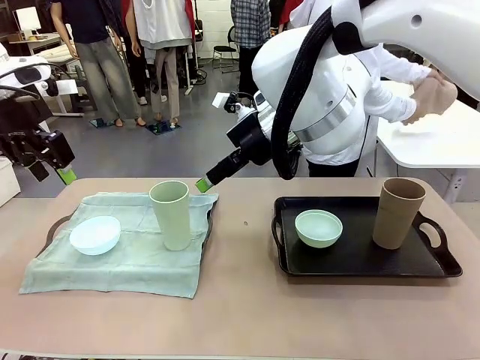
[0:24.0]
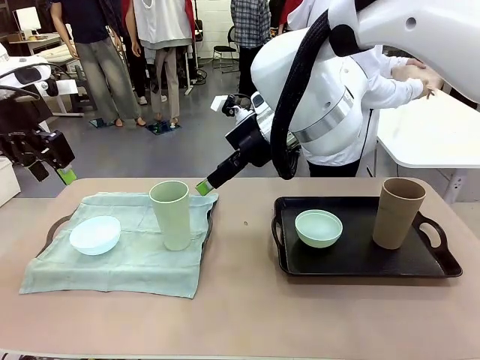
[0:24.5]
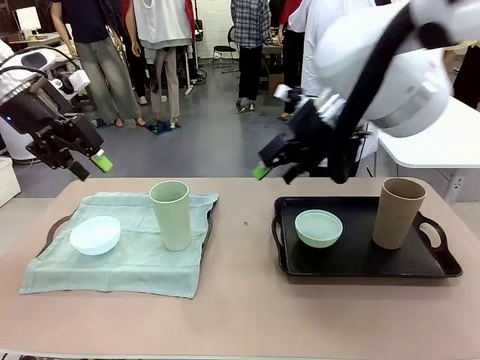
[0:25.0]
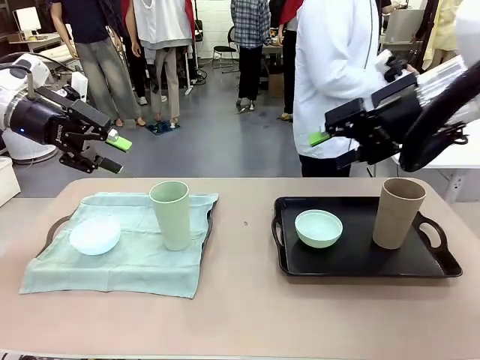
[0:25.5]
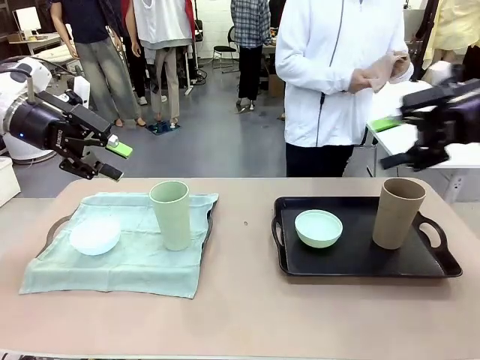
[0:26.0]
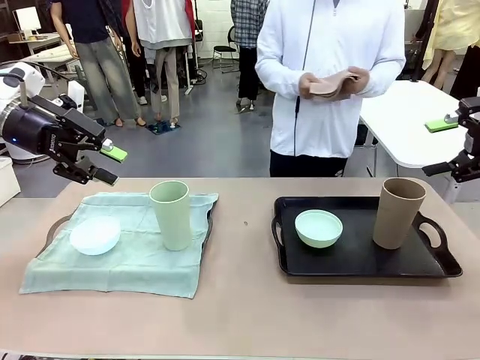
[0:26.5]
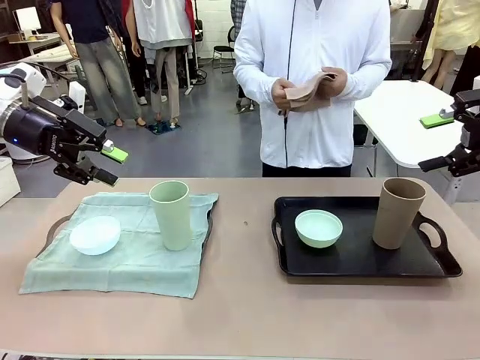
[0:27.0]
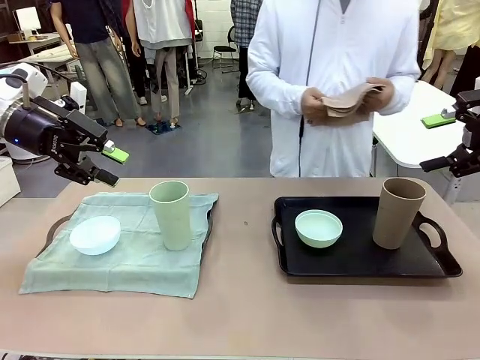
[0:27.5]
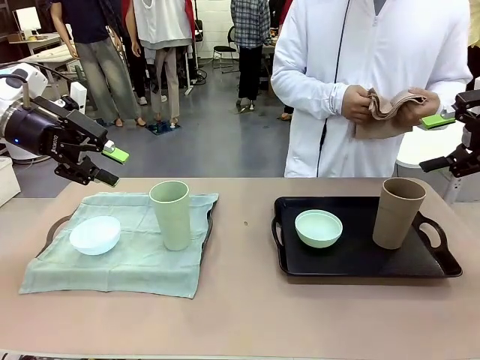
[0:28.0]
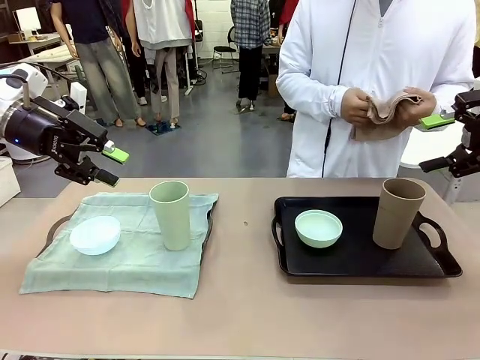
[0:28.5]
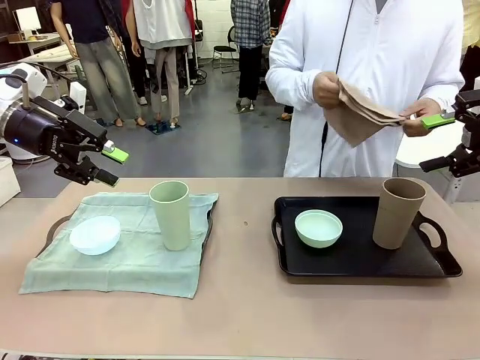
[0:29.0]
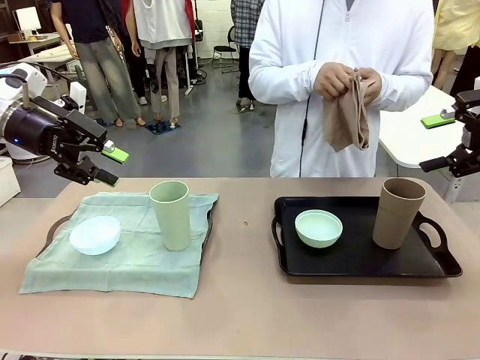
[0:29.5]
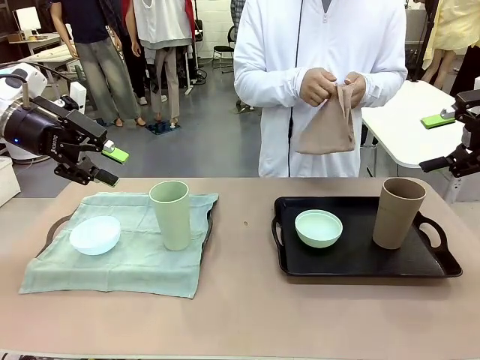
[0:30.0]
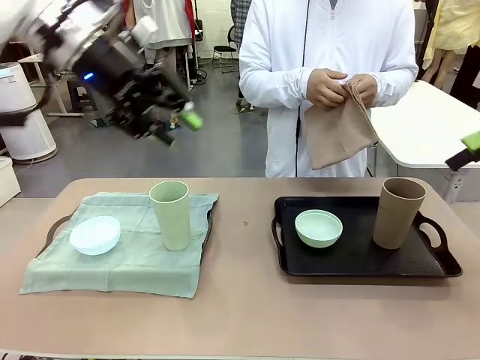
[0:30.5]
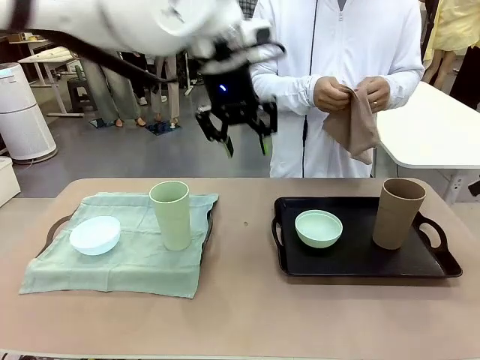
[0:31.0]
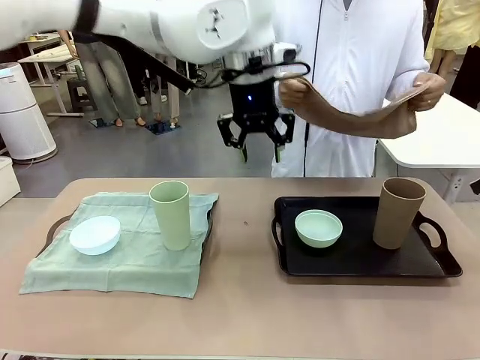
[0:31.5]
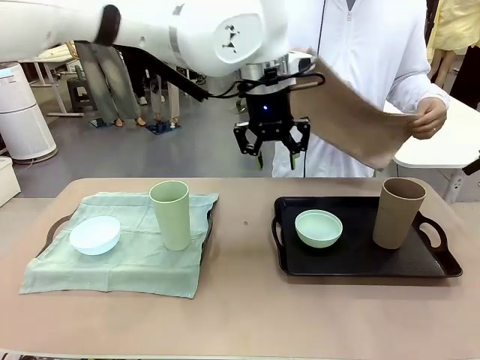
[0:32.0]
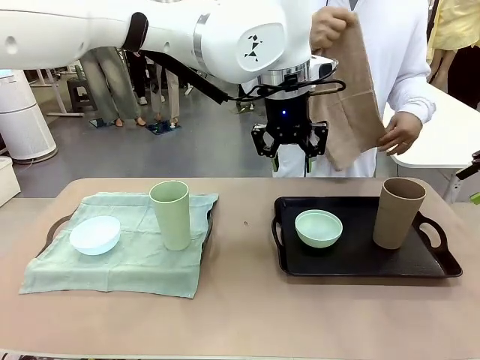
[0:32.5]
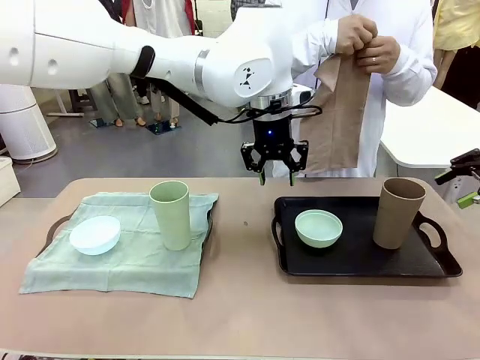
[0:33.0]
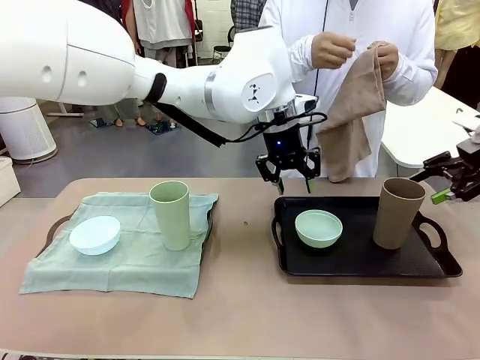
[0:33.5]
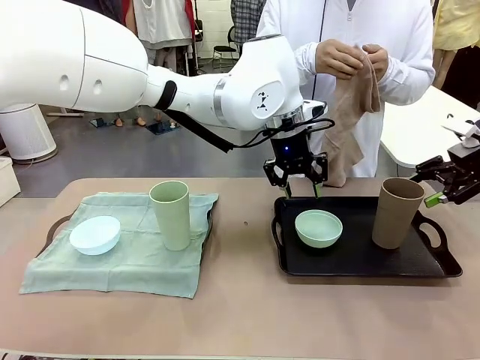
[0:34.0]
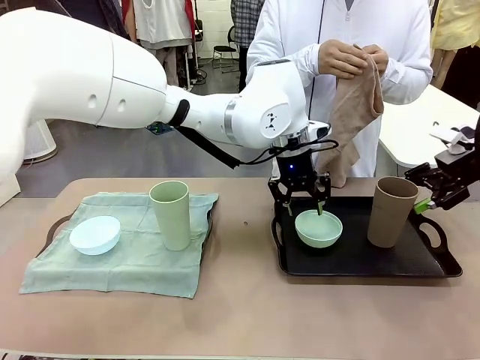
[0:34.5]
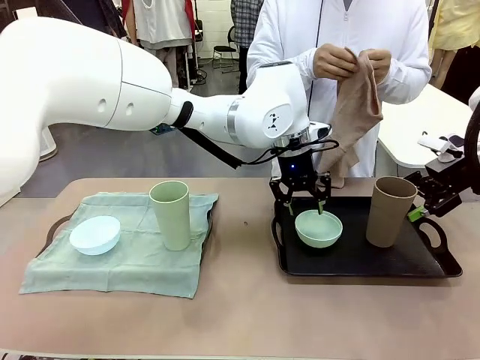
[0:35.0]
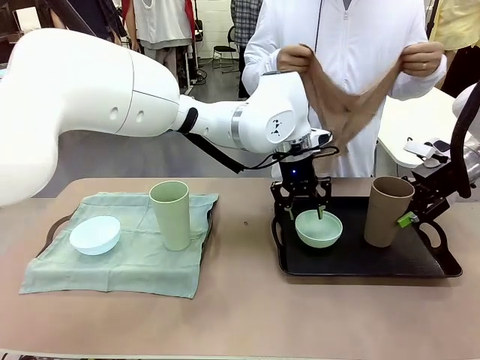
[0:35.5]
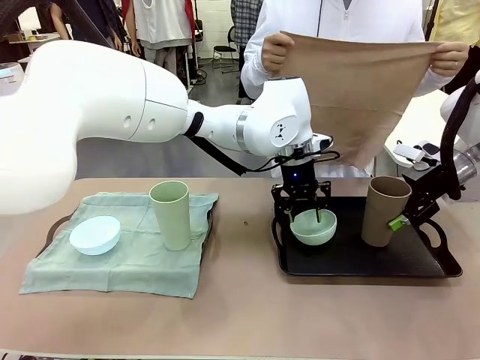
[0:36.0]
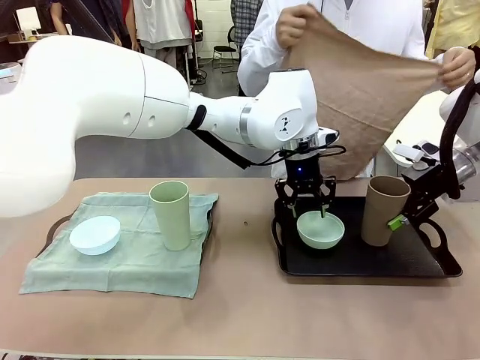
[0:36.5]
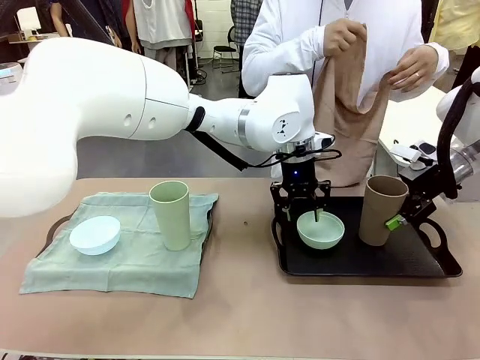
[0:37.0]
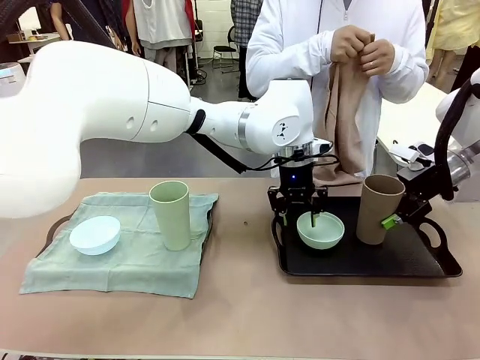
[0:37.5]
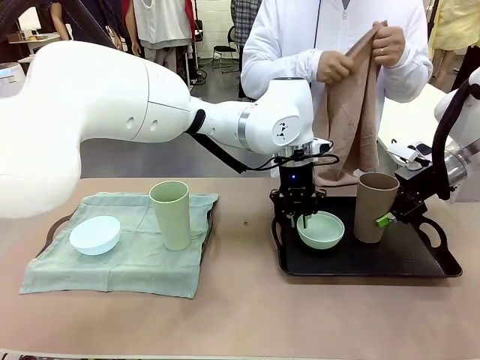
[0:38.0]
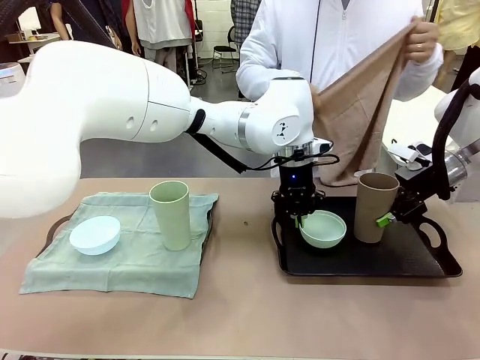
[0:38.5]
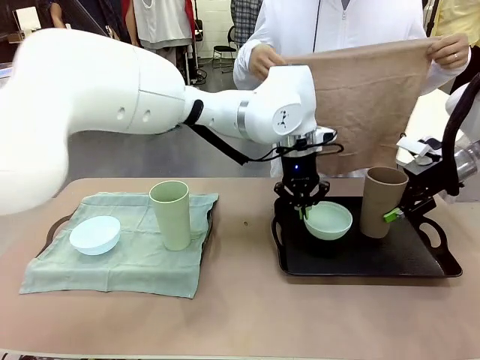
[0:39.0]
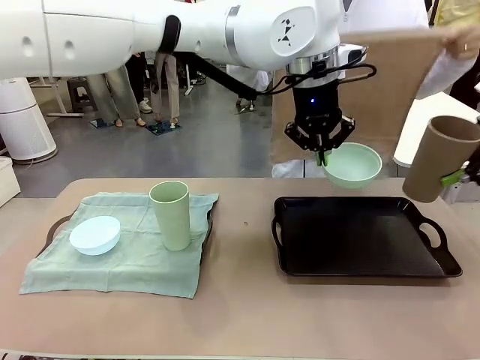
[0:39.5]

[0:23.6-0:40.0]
Robot: Pick up the Picnic Bowl and Reusable plastic cup from the Handle tray in front of the human's position and hold them in the air.
Person: When the robot lifts the bowl and the cup, the human unfolds the napkin and lays the napkin flat on the tray.

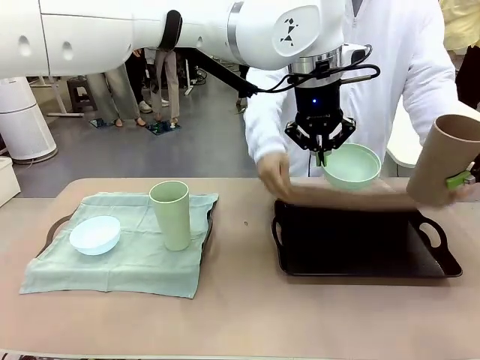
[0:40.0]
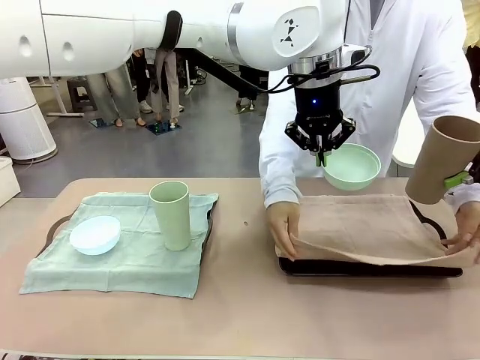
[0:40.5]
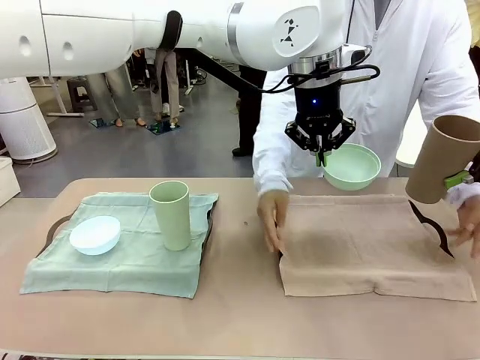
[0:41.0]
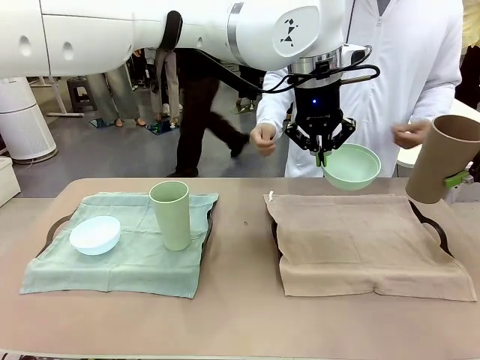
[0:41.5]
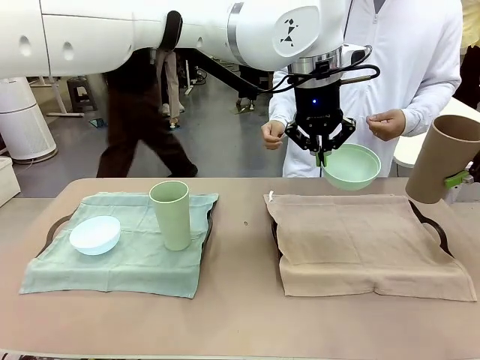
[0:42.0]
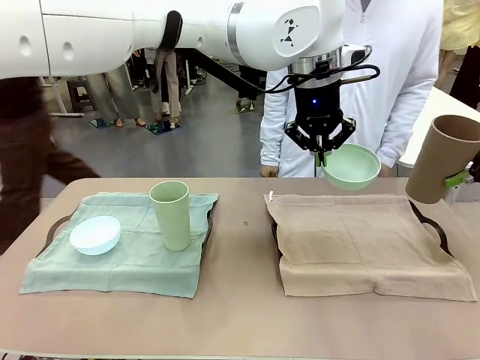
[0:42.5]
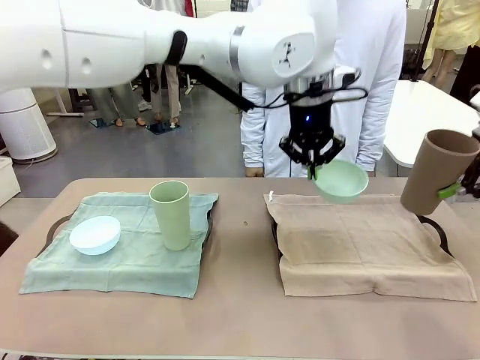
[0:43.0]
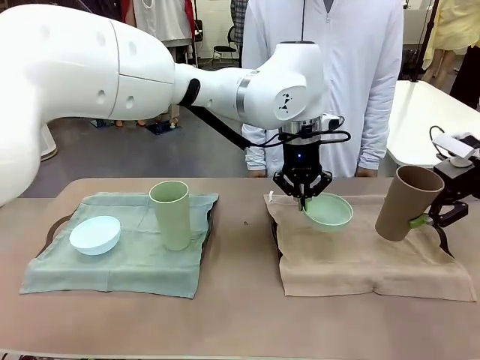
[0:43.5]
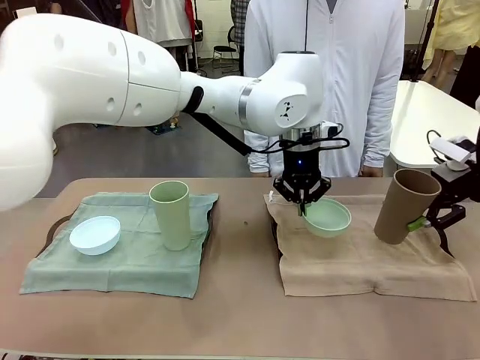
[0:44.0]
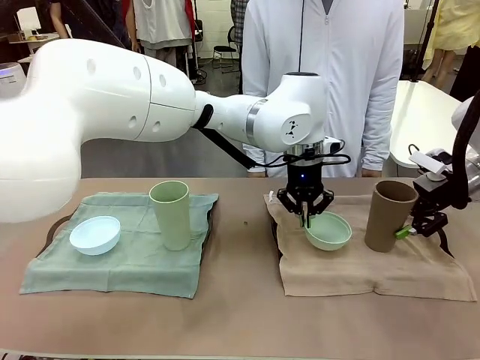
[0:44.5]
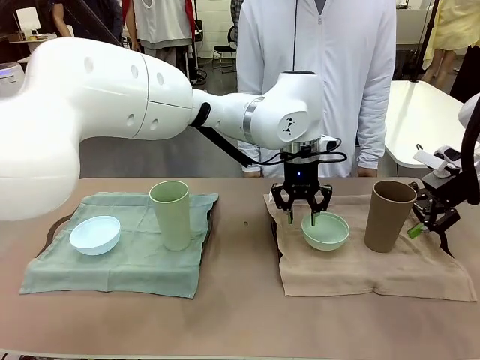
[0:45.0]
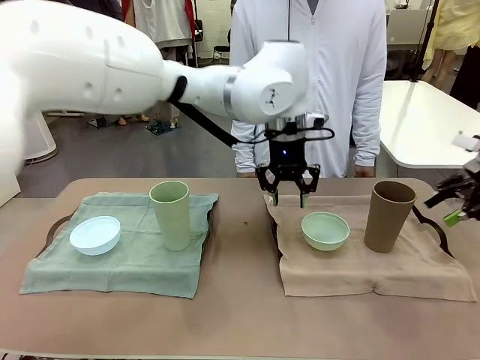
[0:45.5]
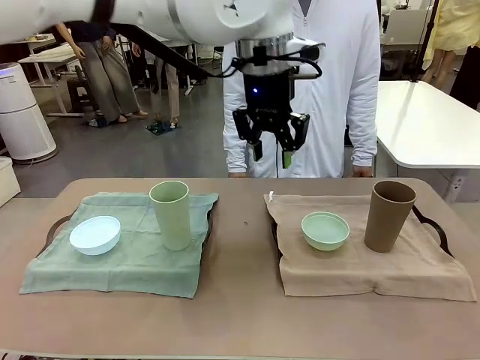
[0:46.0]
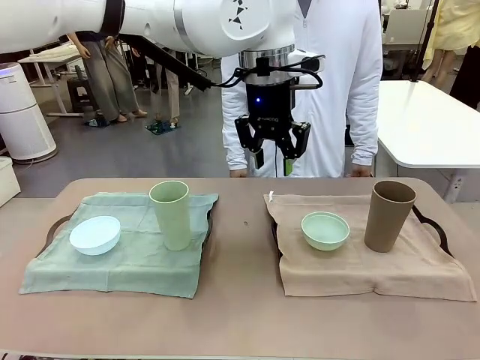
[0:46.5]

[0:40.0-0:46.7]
Robot: Place the Picnic Bowl and Reusable plastic cup back onto the Handle tray in front of the human's position.

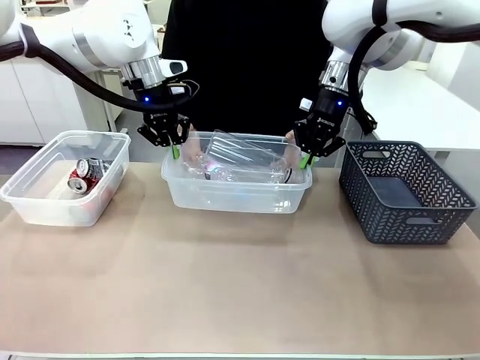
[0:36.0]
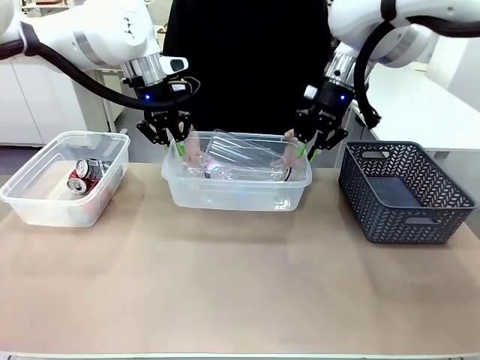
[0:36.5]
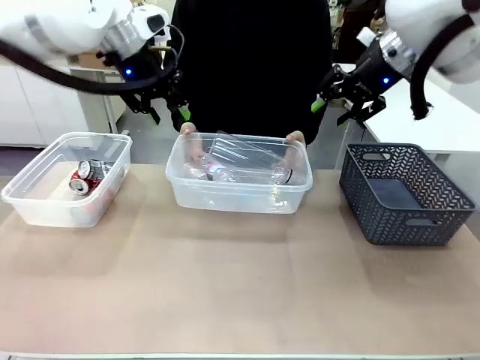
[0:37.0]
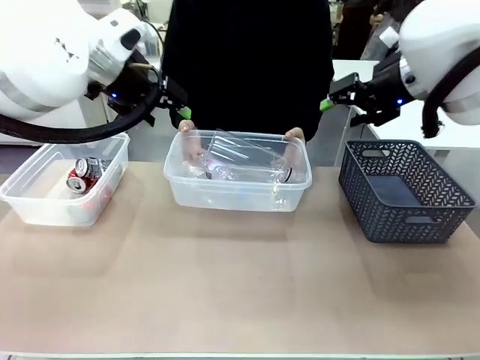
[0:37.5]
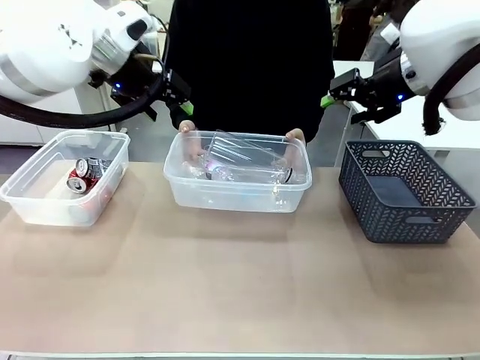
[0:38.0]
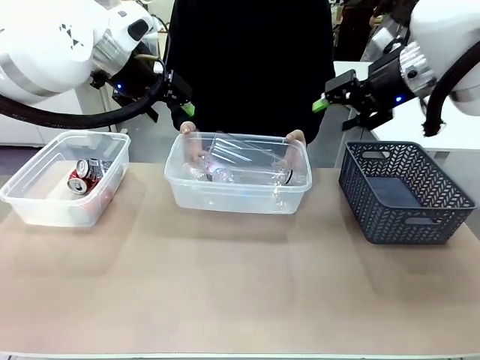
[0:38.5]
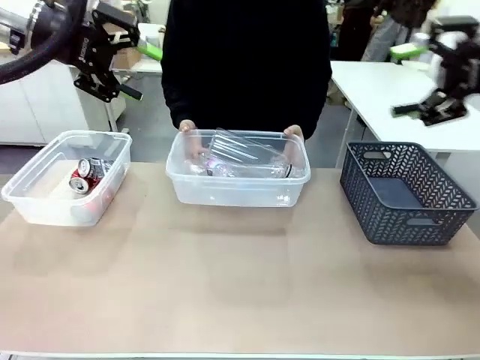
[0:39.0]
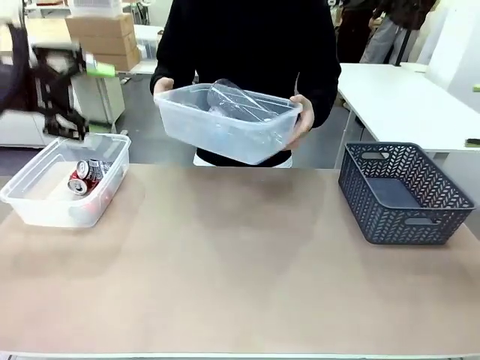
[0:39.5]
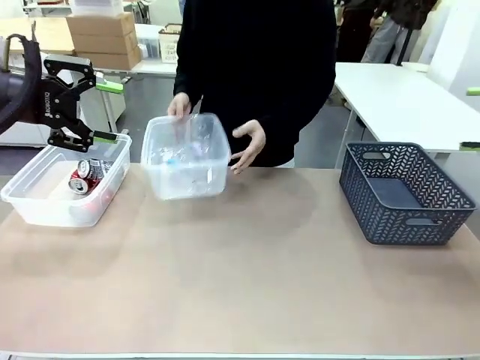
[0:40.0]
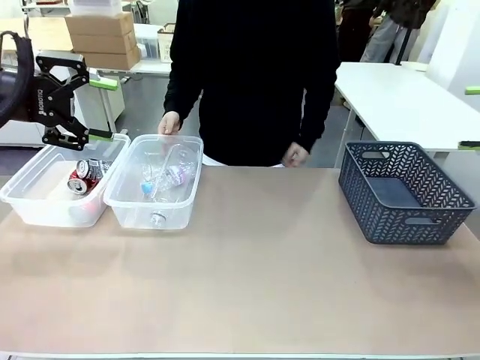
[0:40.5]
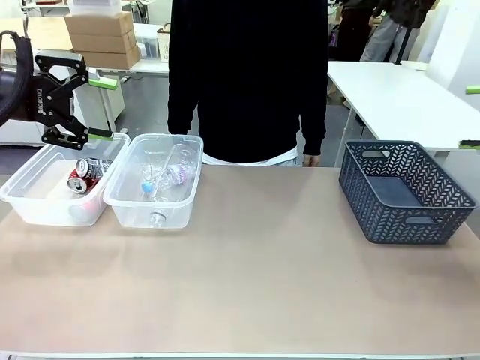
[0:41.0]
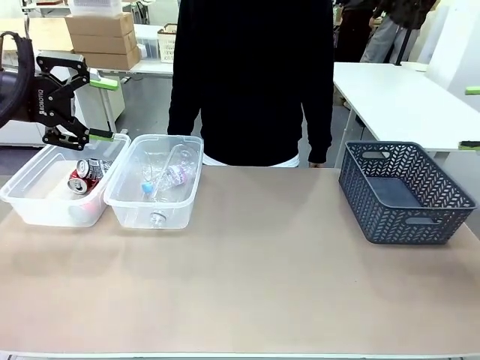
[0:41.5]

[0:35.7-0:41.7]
Robot: Release the Organizing box you were holding.
Person: Pick up the organizing box extended by the robot. Place the organizing box to the left of the sorting box containing the can waste.
